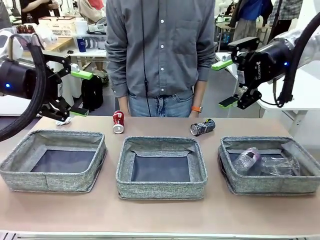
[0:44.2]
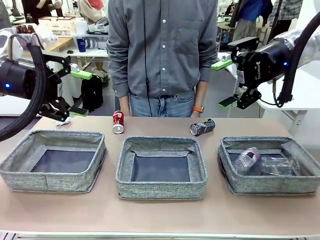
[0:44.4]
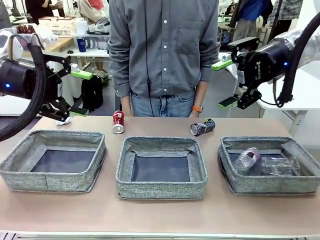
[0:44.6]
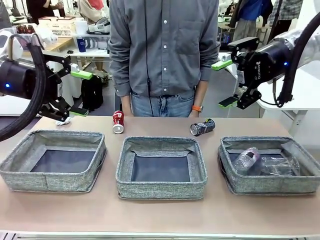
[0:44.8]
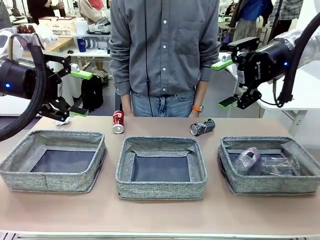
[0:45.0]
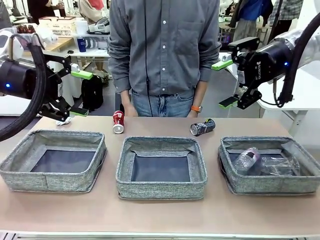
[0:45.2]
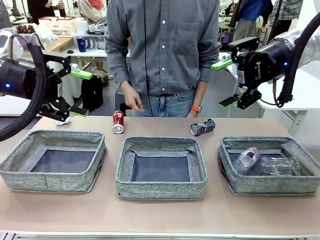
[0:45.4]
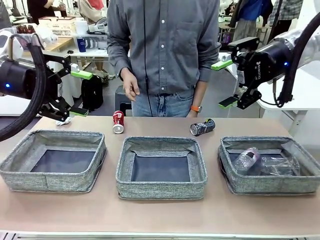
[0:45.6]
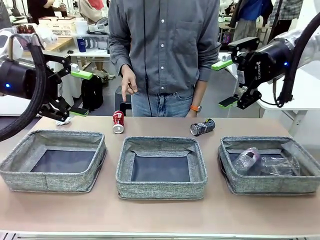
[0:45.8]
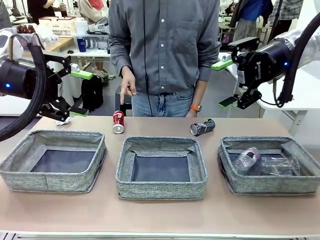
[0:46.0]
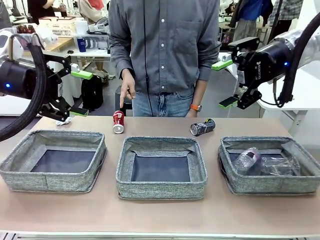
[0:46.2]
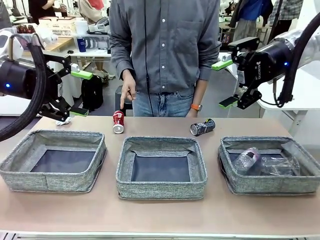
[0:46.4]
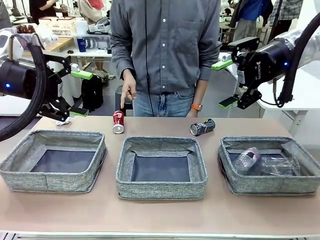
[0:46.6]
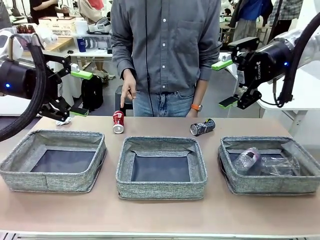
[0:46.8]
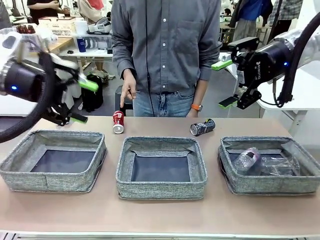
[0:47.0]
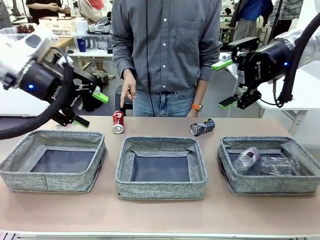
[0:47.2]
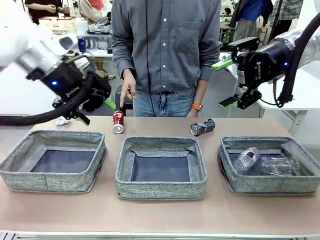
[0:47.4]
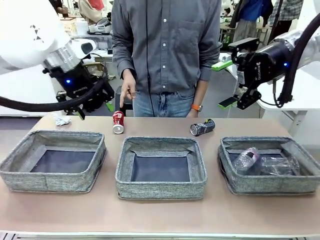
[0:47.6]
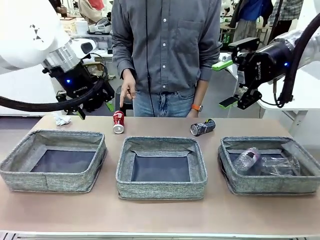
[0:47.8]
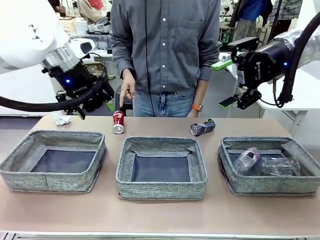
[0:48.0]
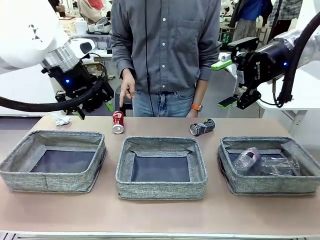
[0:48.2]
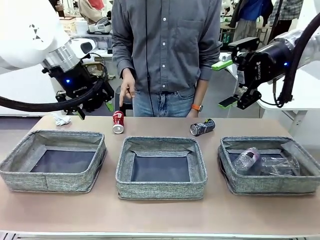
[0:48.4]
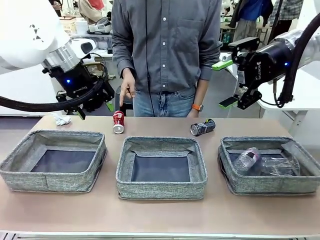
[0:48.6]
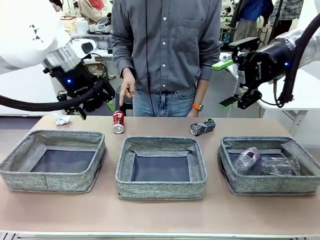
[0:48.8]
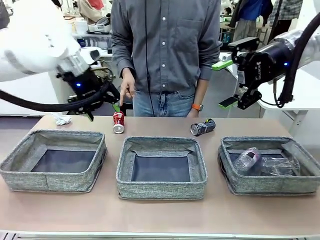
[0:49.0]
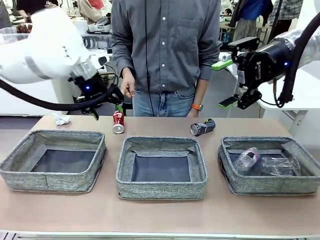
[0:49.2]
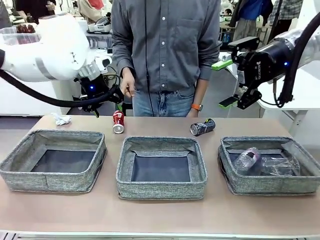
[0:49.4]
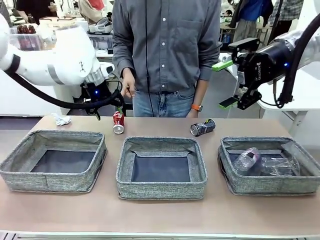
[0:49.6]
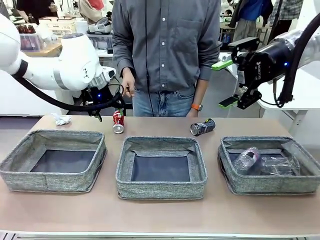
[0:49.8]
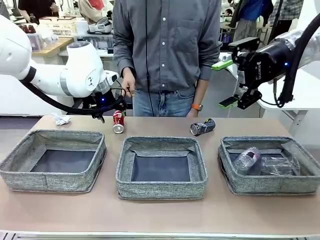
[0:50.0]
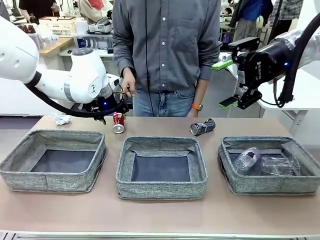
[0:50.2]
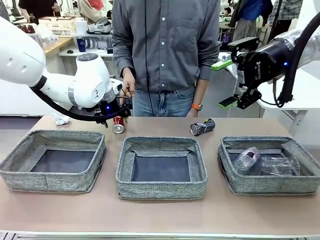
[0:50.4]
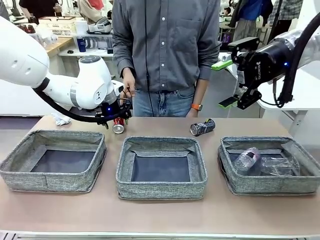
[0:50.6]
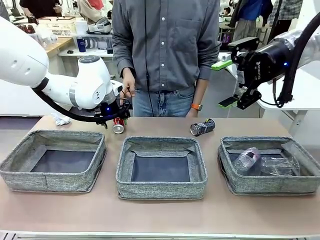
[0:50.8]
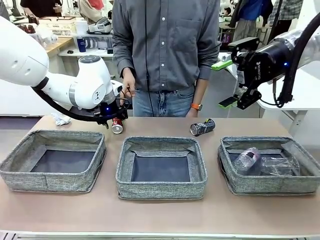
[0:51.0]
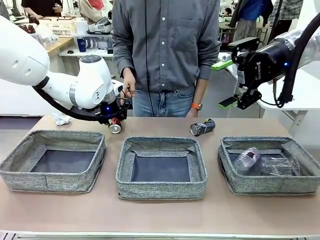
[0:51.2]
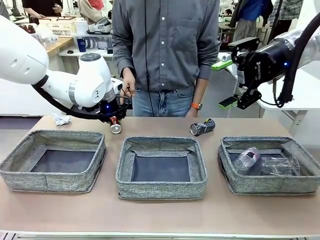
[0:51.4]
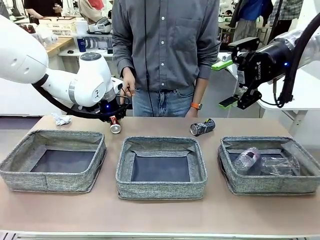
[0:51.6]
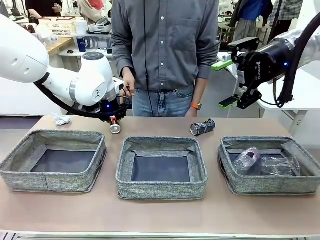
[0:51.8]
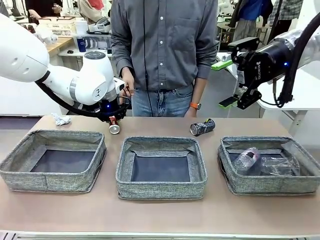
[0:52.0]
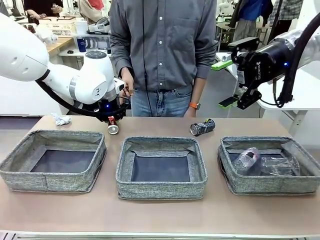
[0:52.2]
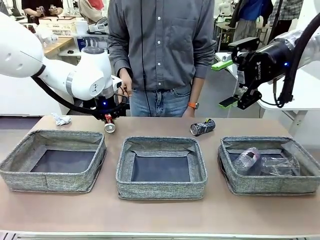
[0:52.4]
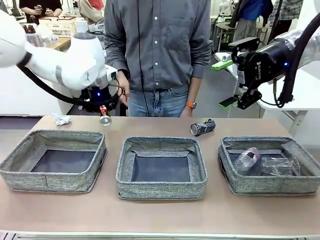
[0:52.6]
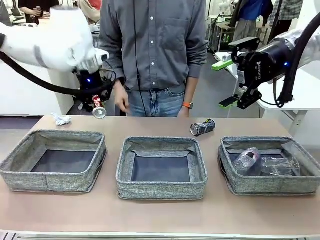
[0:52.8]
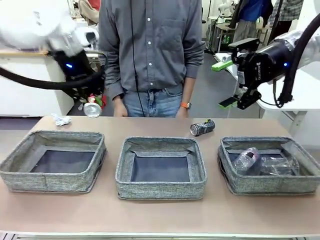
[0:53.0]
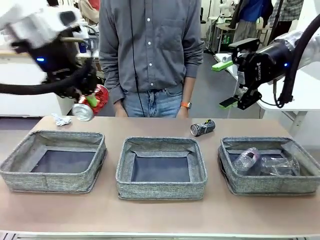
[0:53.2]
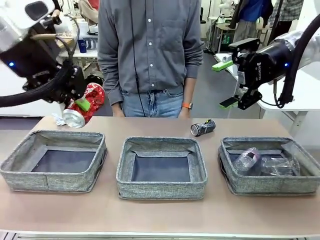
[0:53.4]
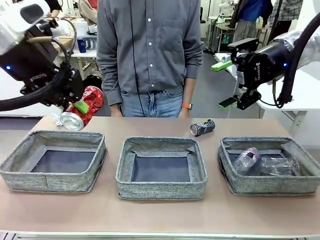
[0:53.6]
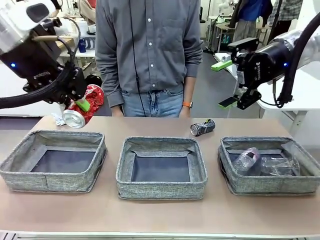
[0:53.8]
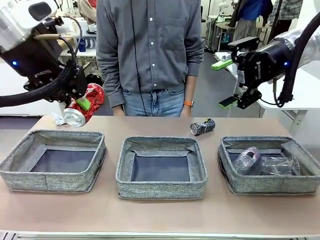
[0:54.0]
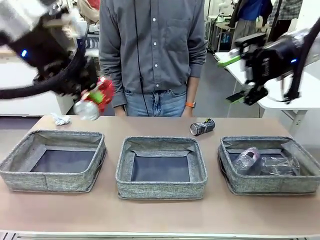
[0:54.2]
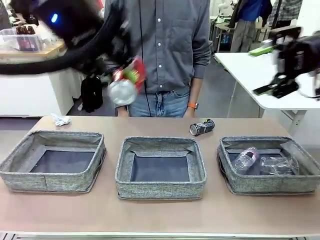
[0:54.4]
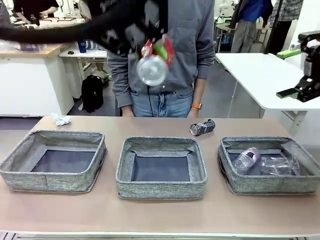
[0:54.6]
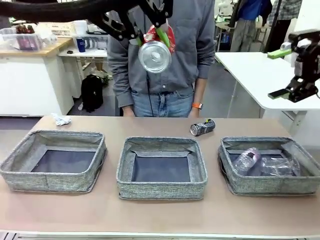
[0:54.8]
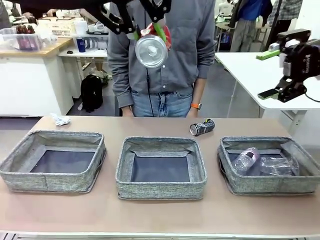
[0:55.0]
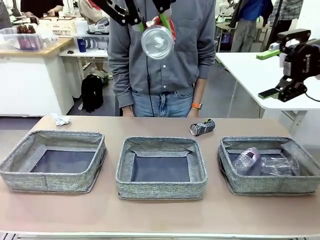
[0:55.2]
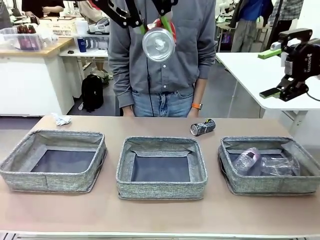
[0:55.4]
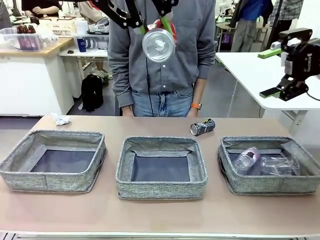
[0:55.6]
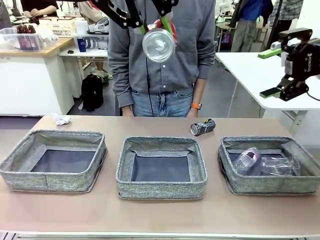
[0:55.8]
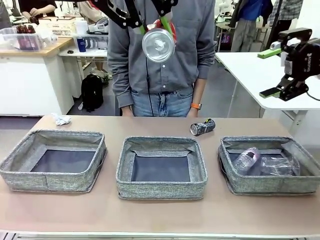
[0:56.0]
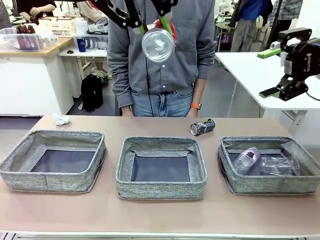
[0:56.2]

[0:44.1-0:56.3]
Task: Sort the waste into the appropriate baskets.
Robot: Pick up the waste item pointed out by the person.
Person: Points to one piece of trash on the table.

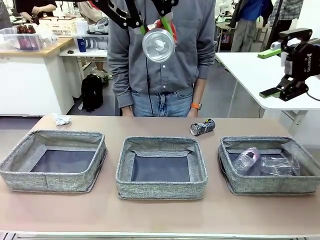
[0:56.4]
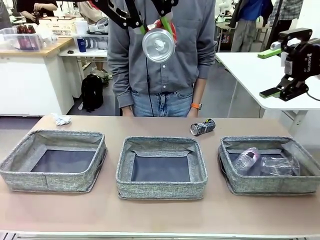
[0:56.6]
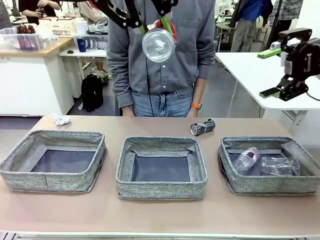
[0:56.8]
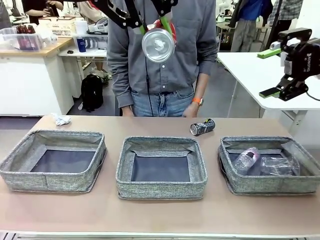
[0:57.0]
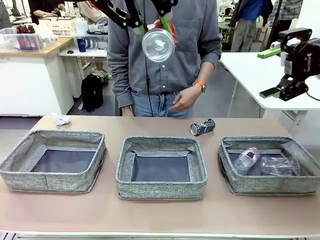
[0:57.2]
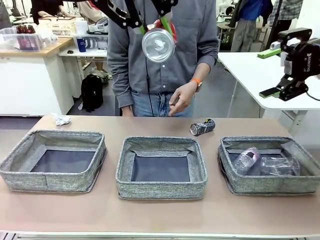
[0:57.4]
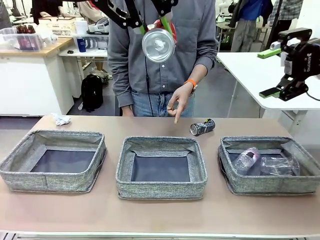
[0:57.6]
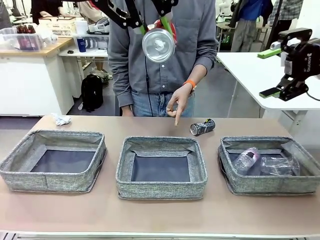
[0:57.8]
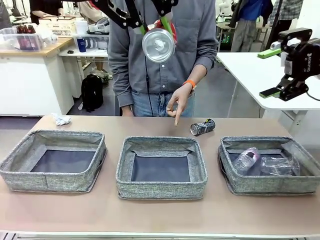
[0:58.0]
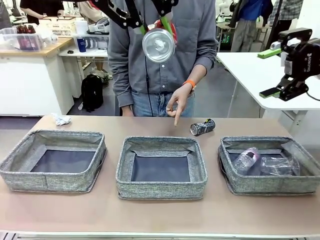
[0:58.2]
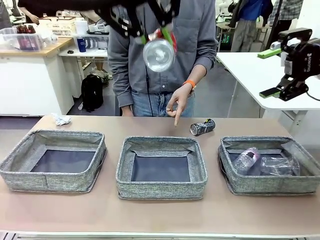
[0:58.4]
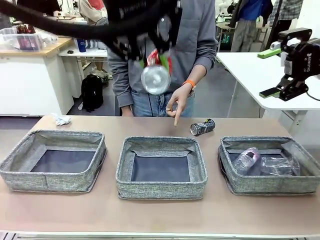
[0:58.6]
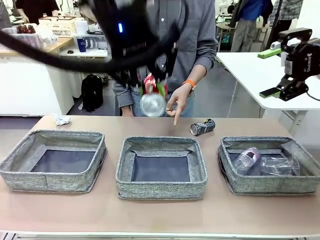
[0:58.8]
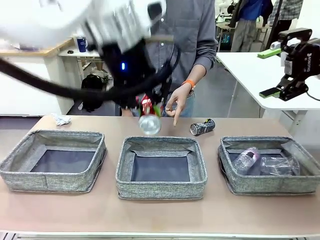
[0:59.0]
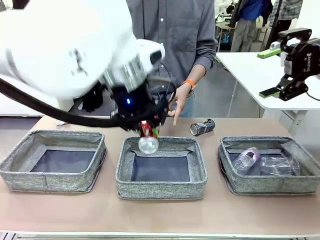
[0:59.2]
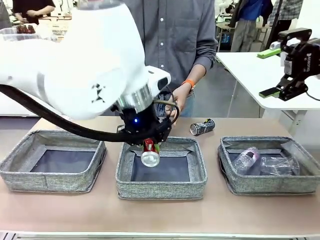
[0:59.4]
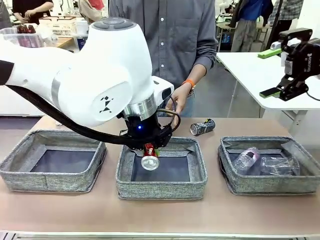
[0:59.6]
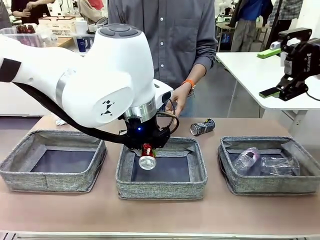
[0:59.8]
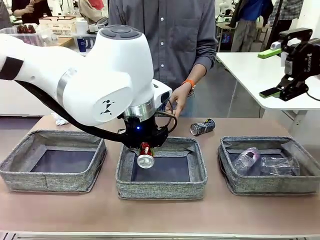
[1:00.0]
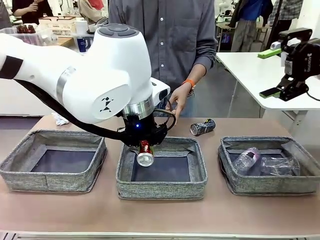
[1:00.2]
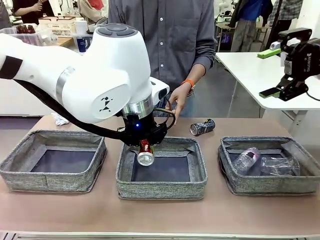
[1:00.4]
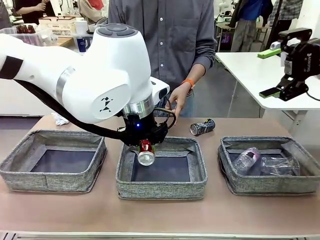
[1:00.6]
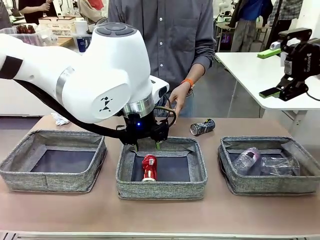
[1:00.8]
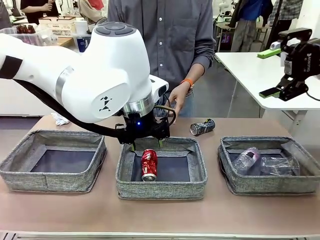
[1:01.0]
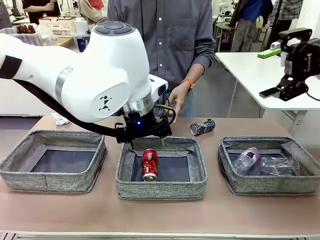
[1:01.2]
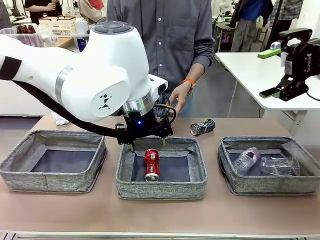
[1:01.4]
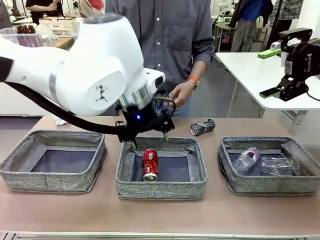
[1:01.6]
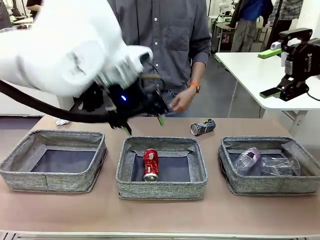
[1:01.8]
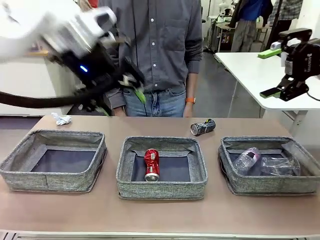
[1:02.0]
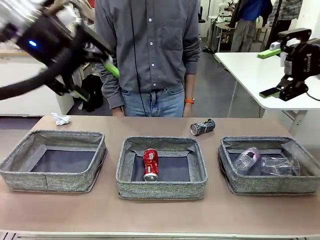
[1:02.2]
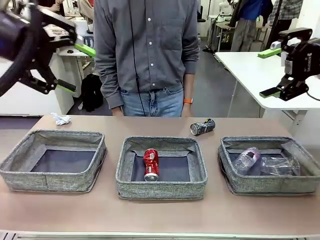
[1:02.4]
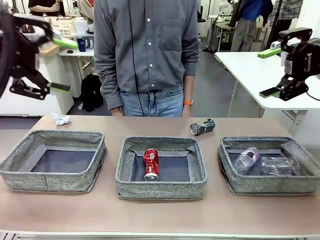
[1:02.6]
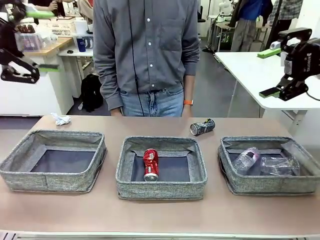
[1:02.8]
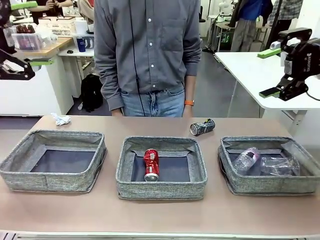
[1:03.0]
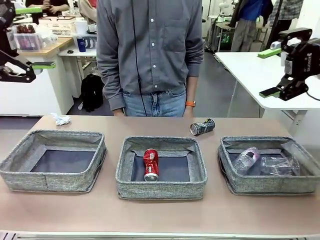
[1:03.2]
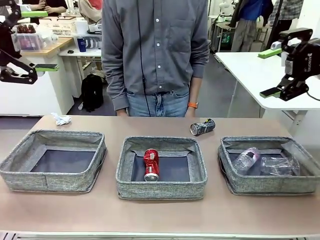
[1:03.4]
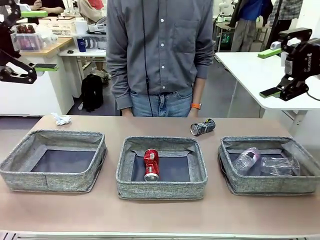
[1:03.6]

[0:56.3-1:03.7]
Robot: Place the picked waste into the Fabric basket indicated by the person.
Person: Instructs the robot to place the picked-up trash into the appropriate organizing basket.
